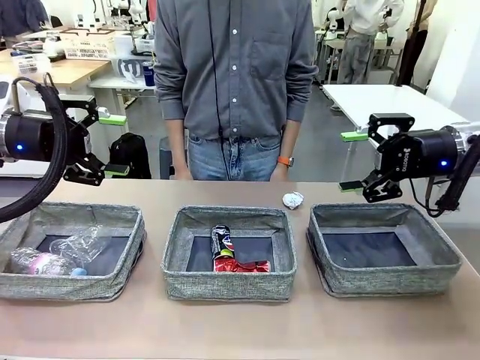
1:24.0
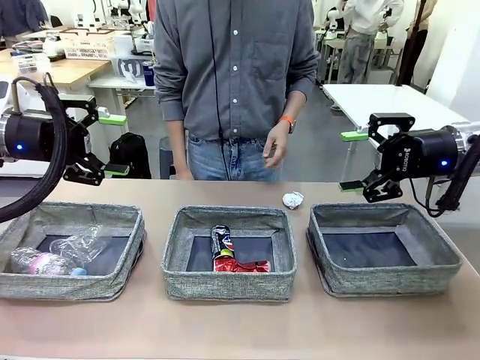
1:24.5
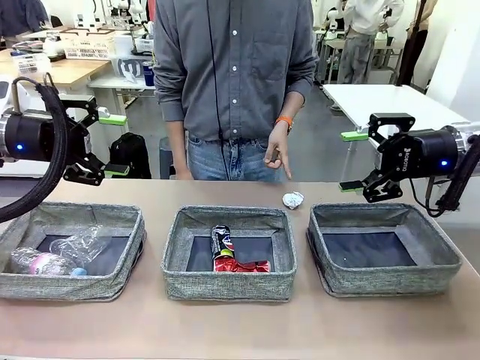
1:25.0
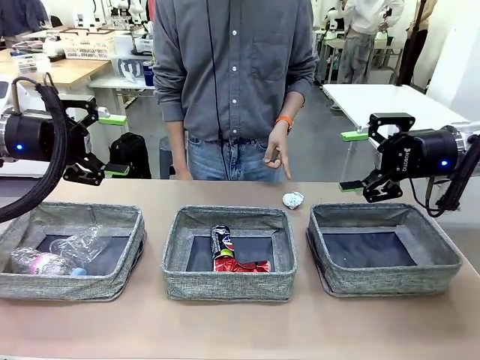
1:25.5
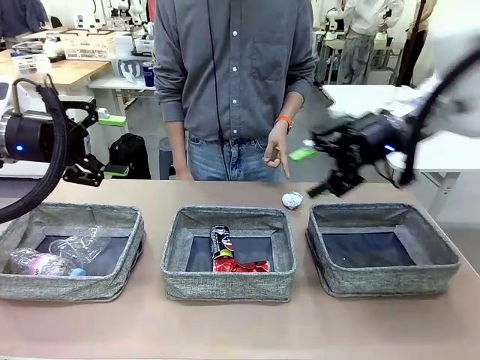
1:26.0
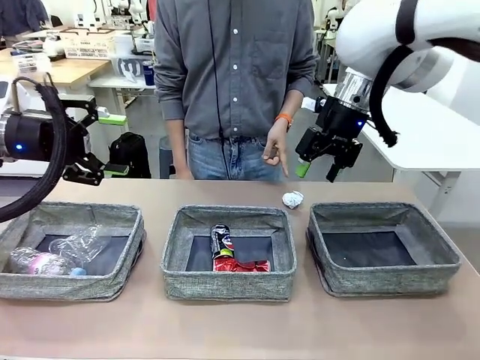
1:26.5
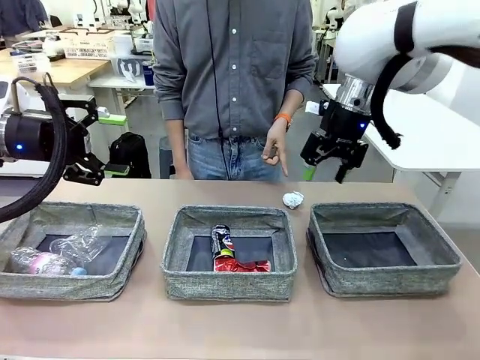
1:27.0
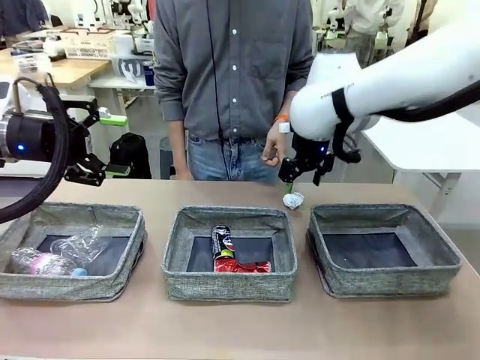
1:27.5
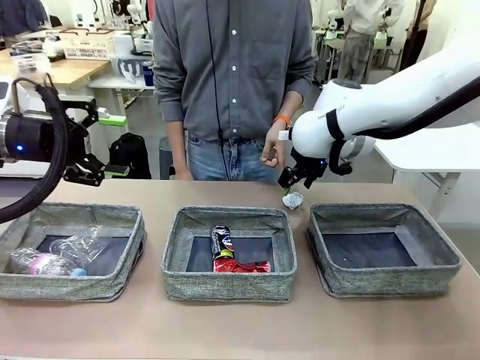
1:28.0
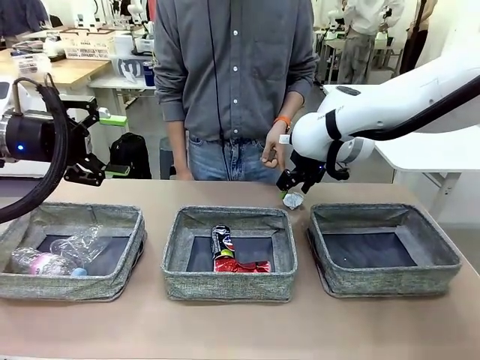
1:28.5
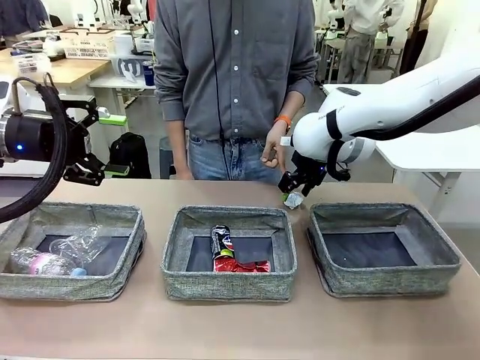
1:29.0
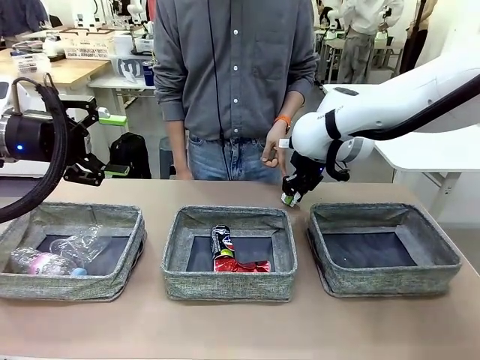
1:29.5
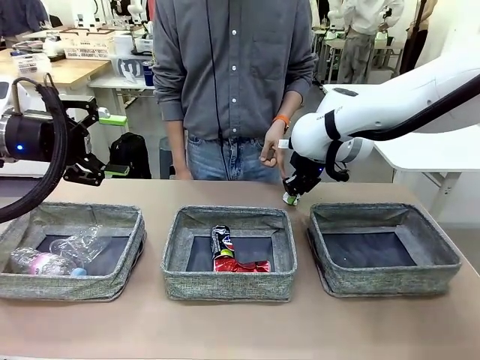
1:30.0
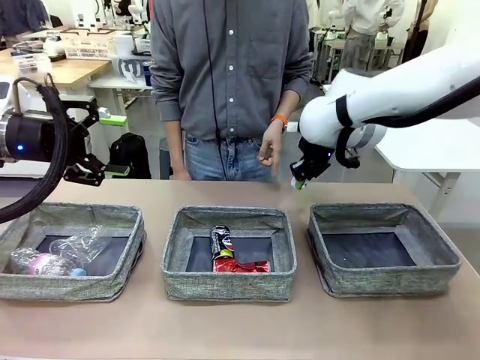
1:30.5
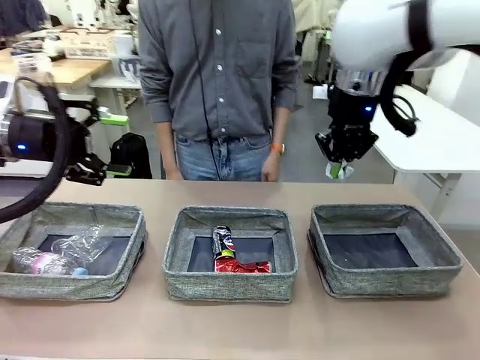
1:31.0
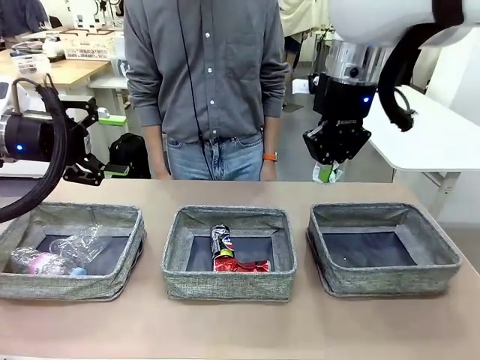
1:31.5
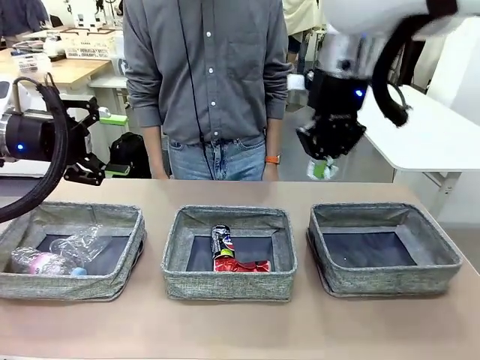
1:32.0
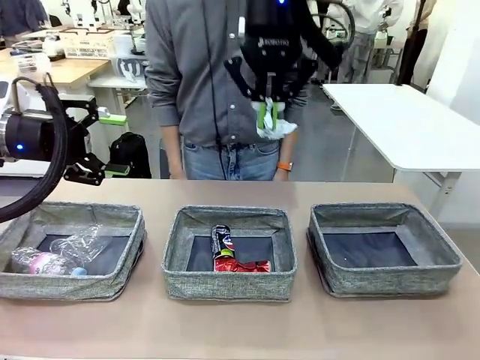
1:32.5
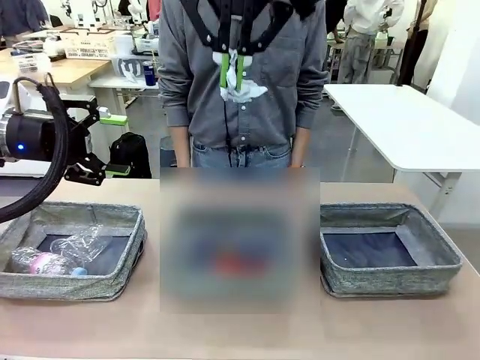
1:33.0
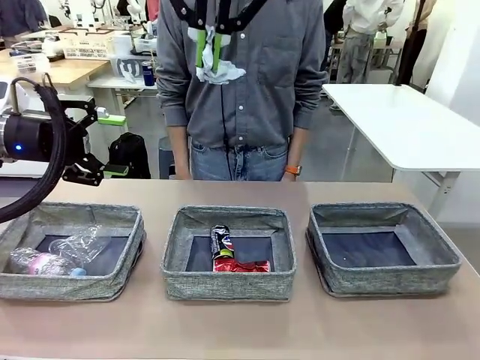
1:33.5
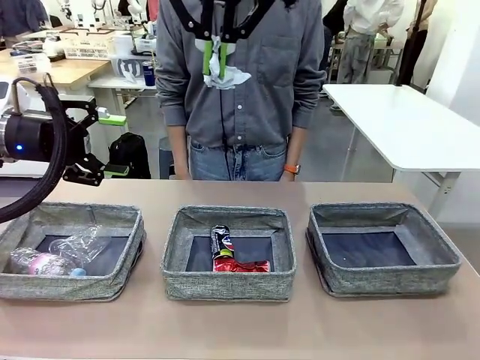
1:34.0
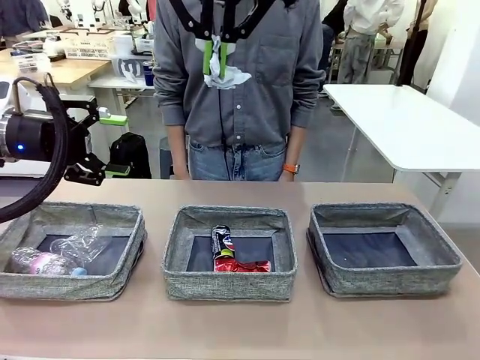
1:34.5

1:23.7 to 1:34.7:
Task: Sort the waste into the appropriate baskets.
Robot: Pick up the waste item pointed out by the person.
Person: Points to one piece of trash on the table.

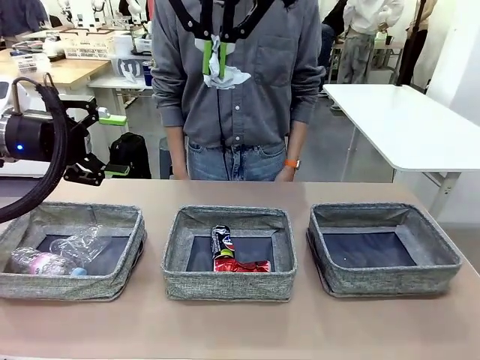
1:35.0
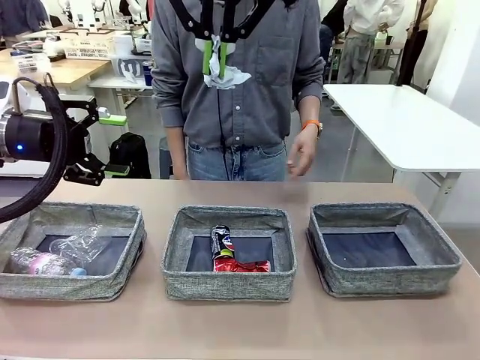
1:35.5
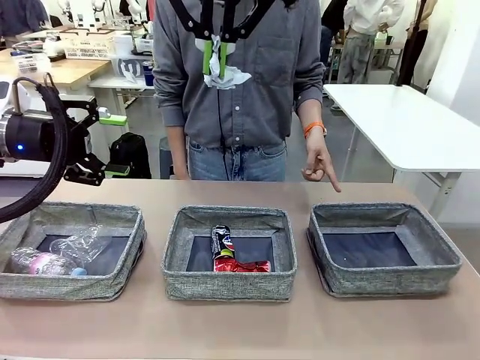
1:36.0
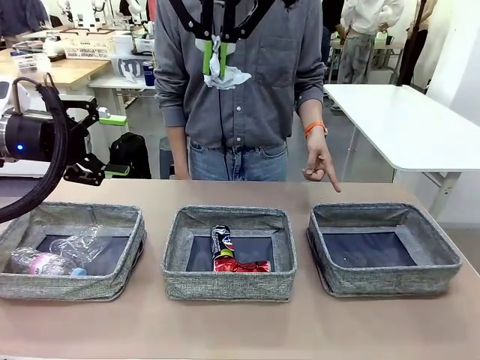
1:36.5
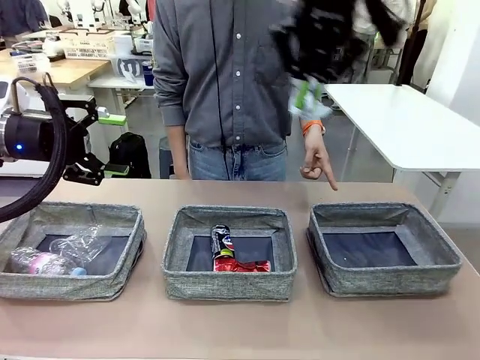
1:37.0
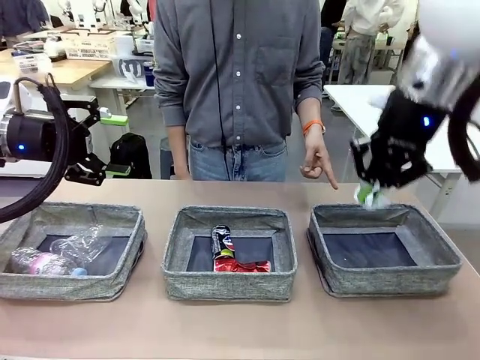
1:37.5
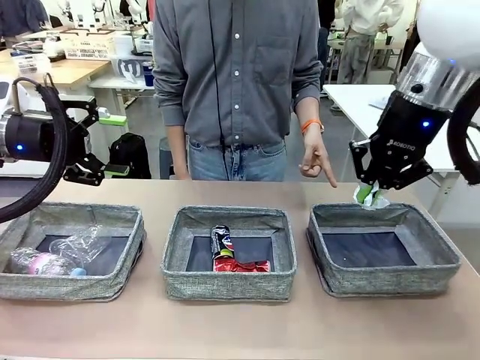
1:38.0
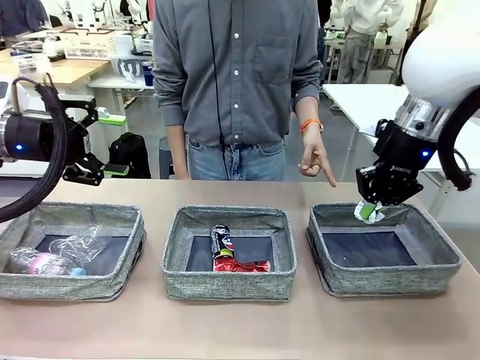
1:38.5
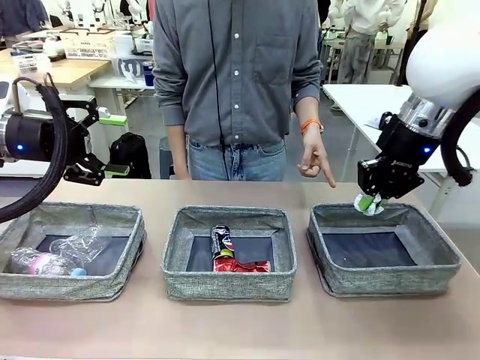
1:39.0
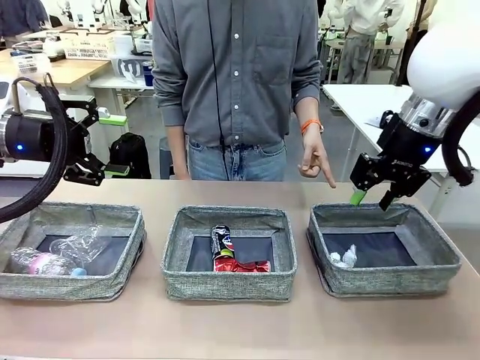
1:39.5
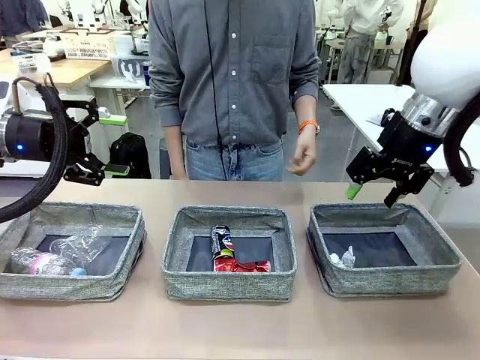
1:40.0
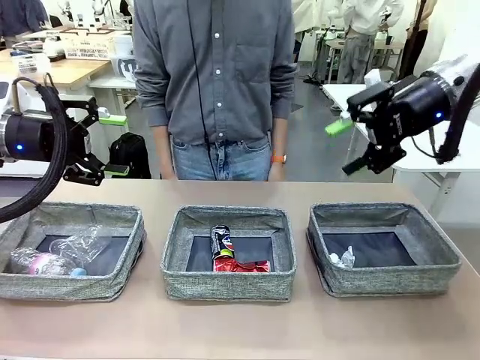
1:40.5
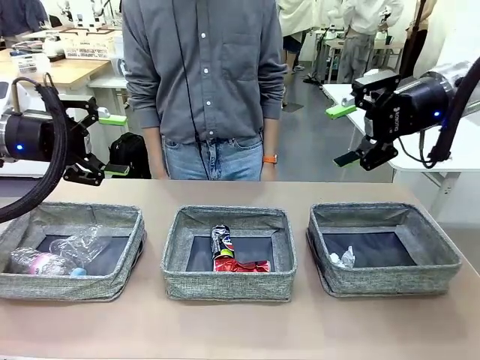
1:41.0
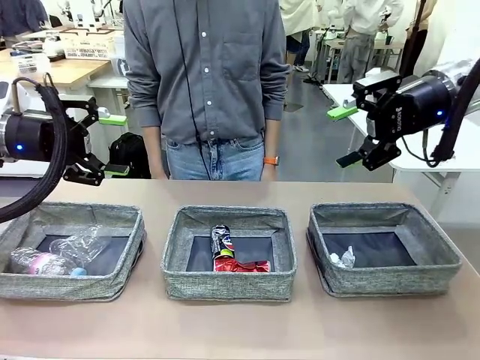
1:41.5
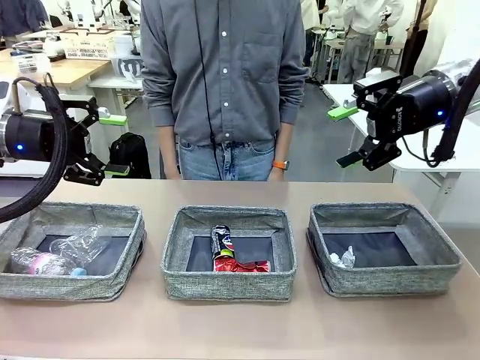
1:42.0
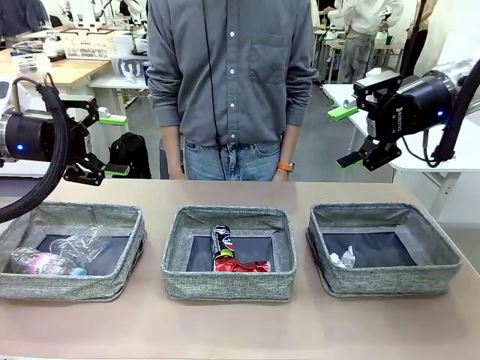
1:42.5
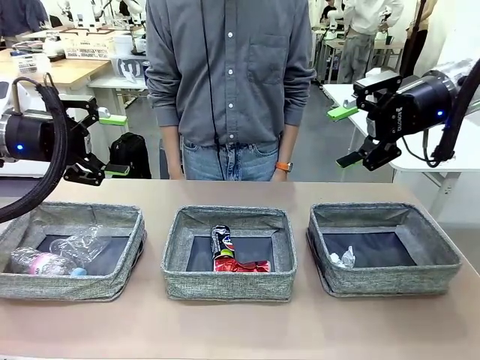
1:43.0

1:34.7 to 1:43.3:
Robot: Place the picked waste into the Fabric basket indicated by the person.
Person: Instructs the robot to place the picked-up trash into the appropriate organizing basket.
